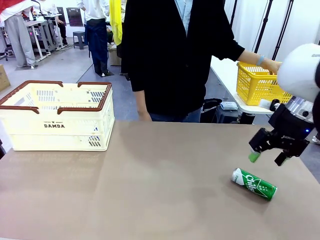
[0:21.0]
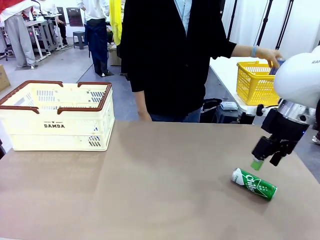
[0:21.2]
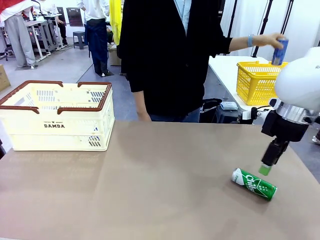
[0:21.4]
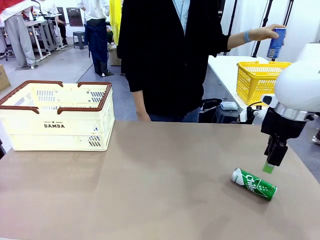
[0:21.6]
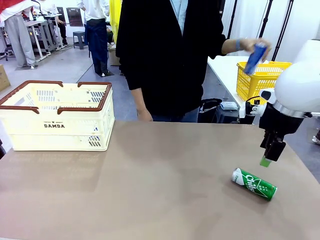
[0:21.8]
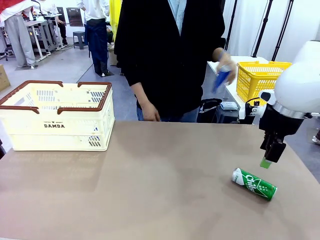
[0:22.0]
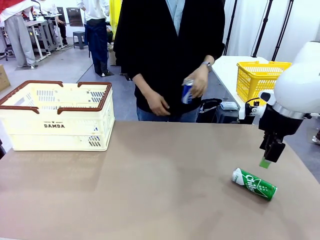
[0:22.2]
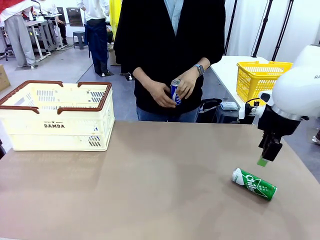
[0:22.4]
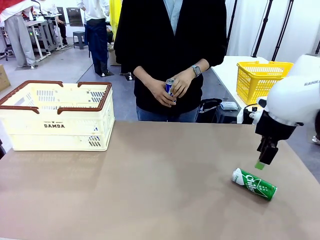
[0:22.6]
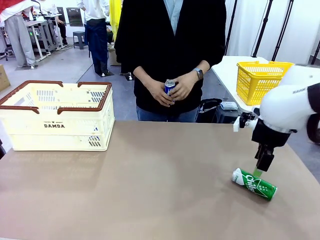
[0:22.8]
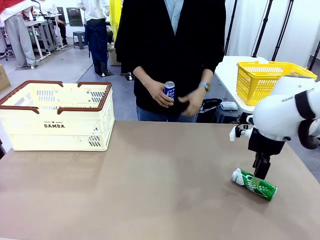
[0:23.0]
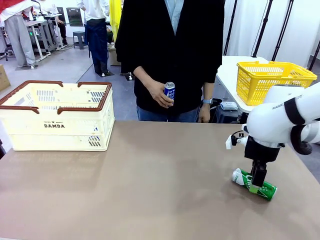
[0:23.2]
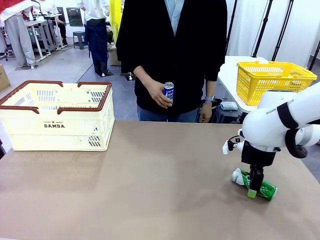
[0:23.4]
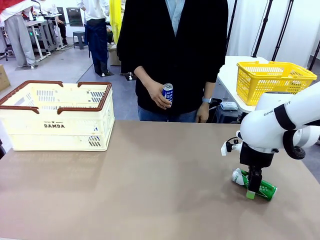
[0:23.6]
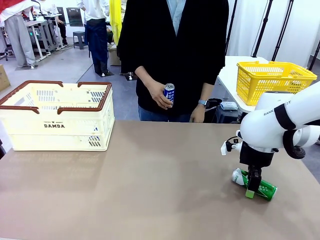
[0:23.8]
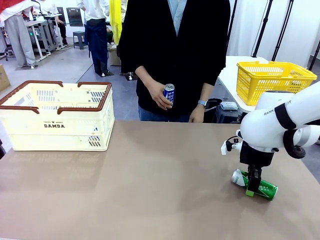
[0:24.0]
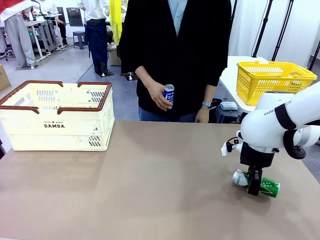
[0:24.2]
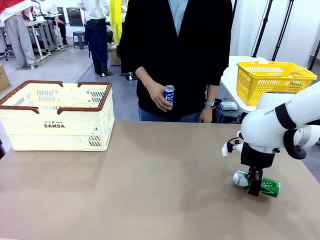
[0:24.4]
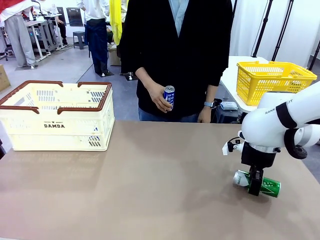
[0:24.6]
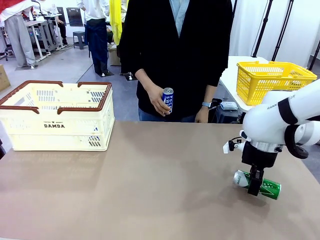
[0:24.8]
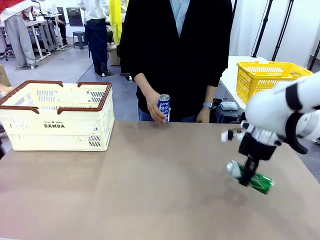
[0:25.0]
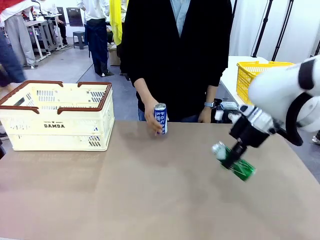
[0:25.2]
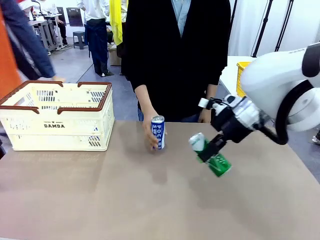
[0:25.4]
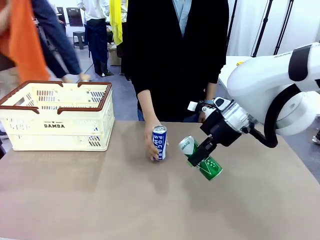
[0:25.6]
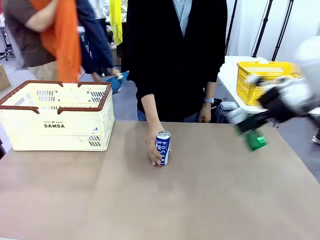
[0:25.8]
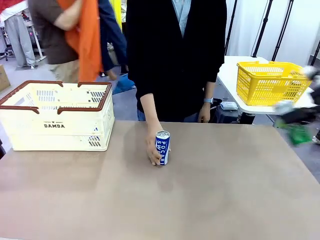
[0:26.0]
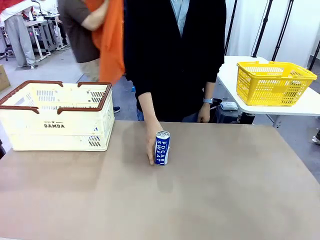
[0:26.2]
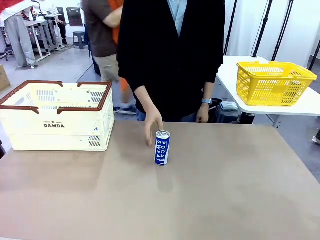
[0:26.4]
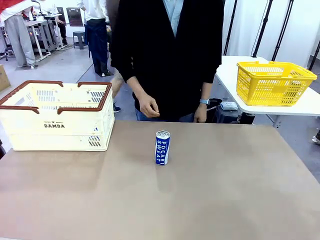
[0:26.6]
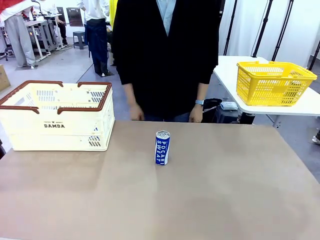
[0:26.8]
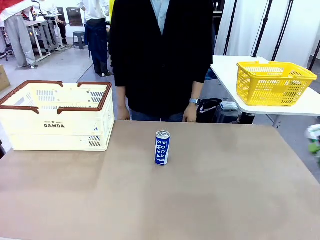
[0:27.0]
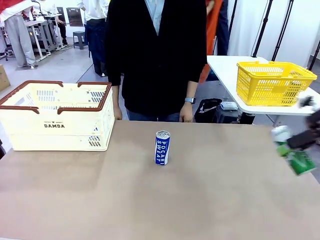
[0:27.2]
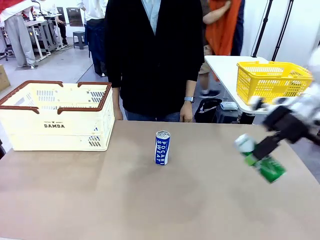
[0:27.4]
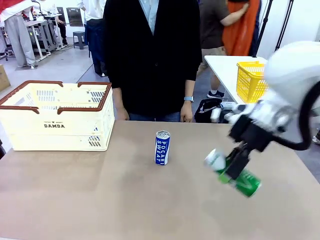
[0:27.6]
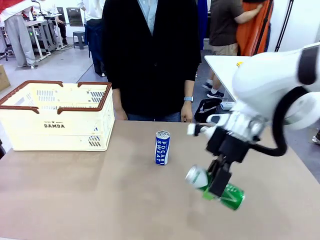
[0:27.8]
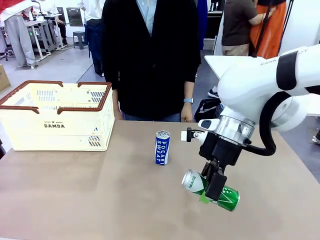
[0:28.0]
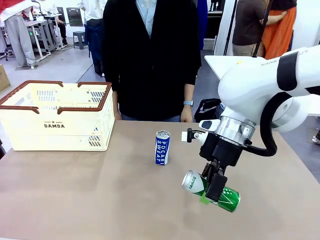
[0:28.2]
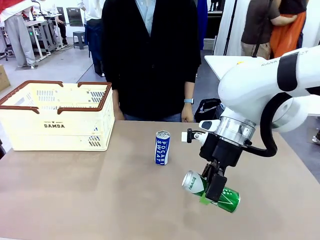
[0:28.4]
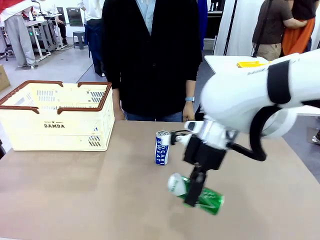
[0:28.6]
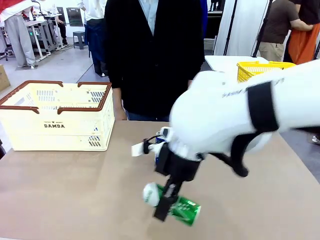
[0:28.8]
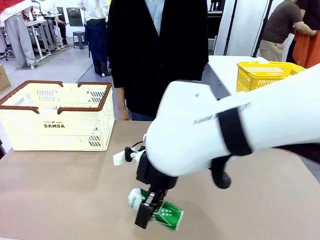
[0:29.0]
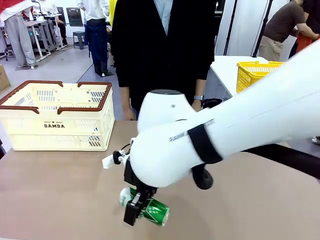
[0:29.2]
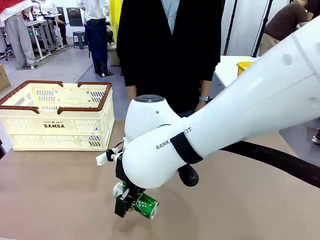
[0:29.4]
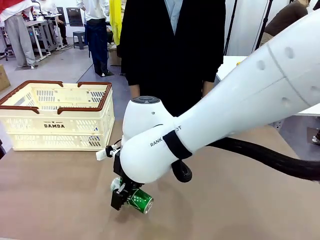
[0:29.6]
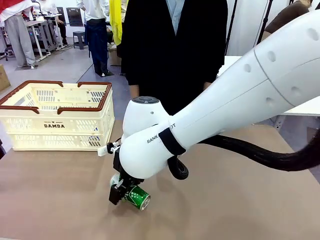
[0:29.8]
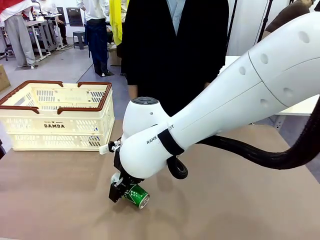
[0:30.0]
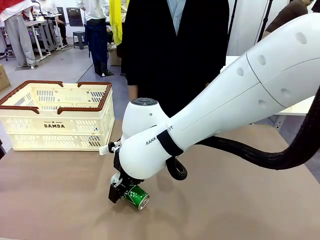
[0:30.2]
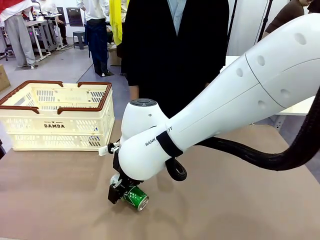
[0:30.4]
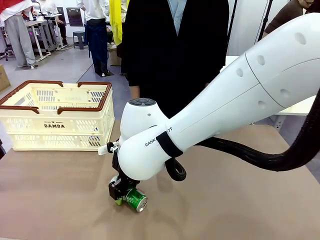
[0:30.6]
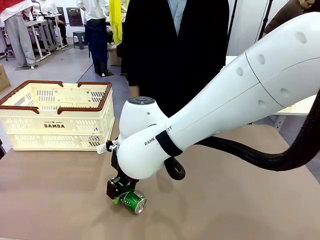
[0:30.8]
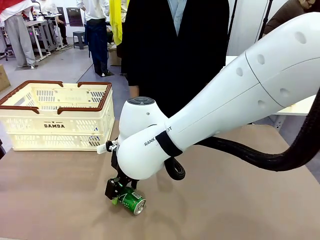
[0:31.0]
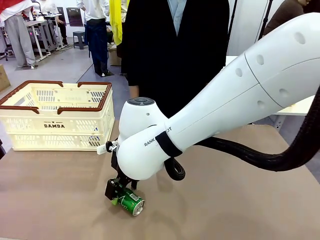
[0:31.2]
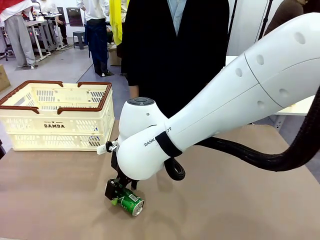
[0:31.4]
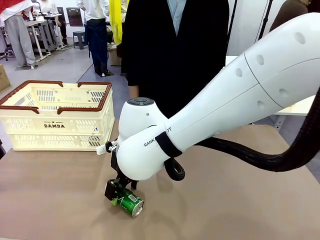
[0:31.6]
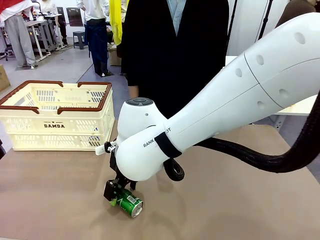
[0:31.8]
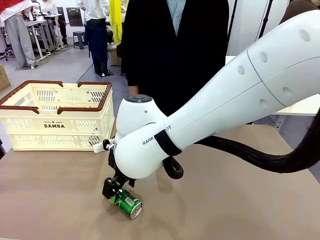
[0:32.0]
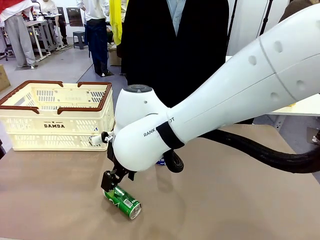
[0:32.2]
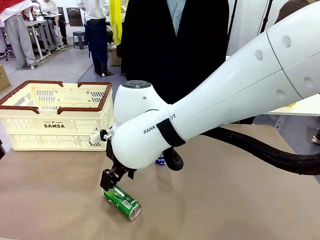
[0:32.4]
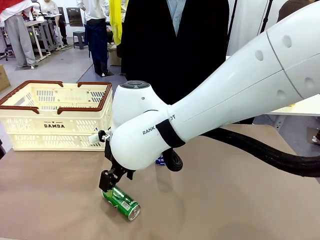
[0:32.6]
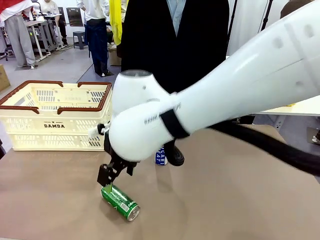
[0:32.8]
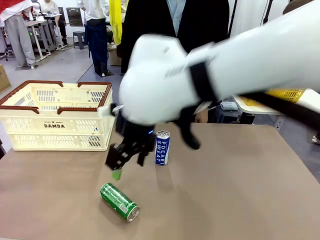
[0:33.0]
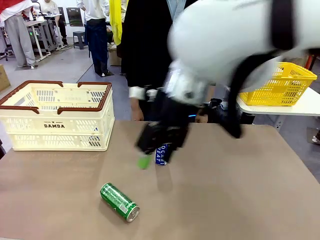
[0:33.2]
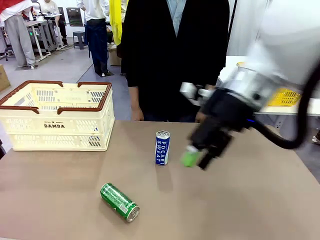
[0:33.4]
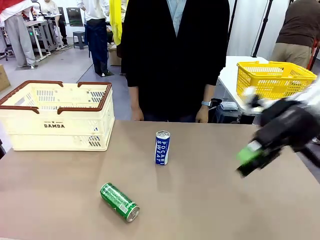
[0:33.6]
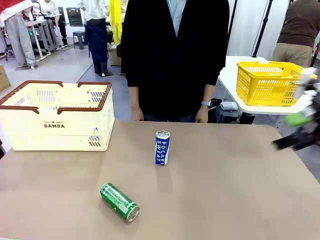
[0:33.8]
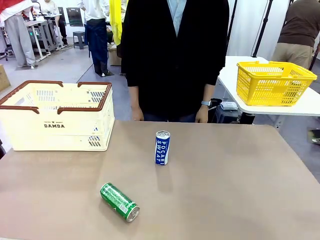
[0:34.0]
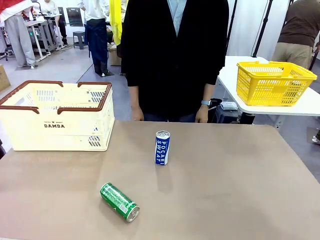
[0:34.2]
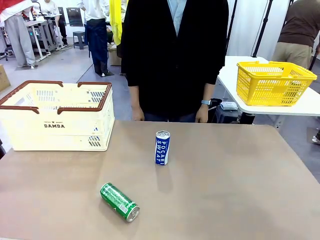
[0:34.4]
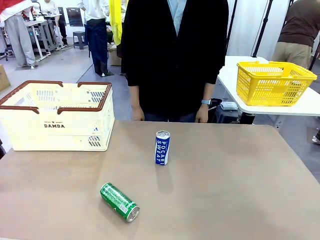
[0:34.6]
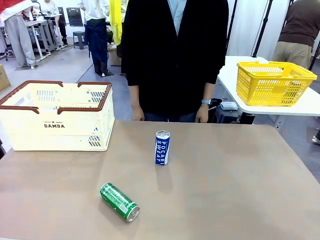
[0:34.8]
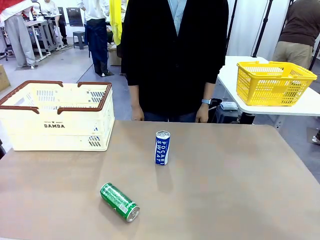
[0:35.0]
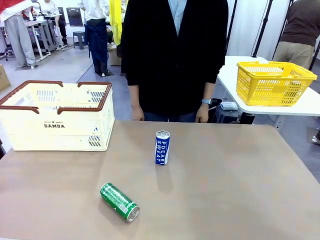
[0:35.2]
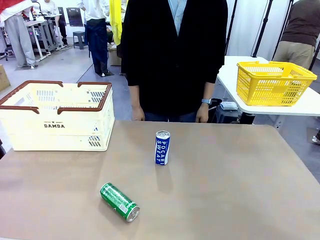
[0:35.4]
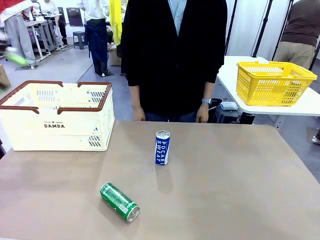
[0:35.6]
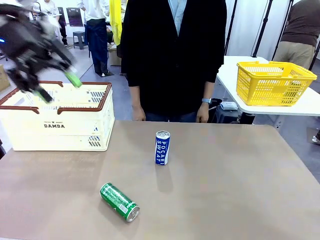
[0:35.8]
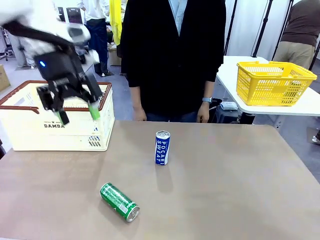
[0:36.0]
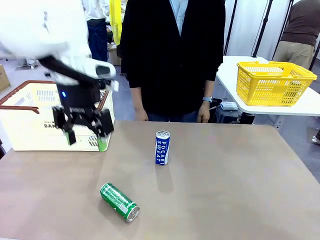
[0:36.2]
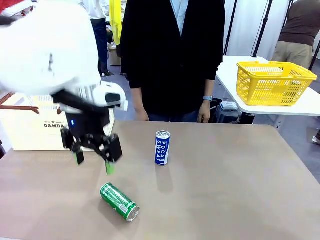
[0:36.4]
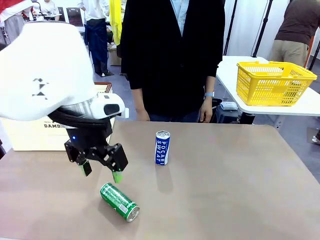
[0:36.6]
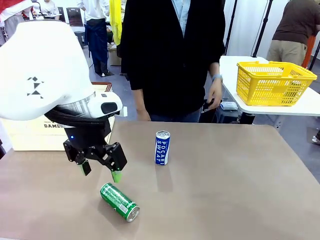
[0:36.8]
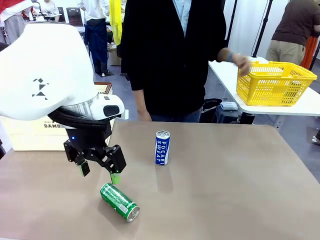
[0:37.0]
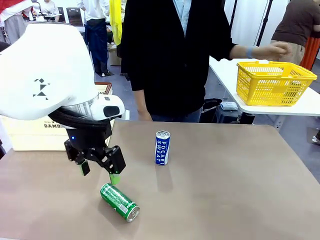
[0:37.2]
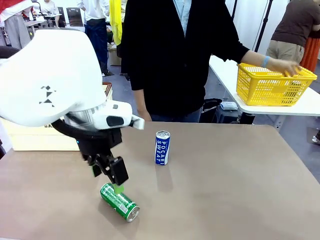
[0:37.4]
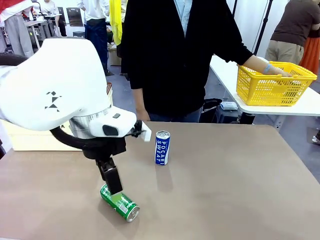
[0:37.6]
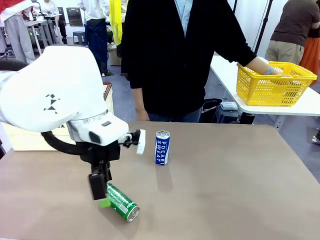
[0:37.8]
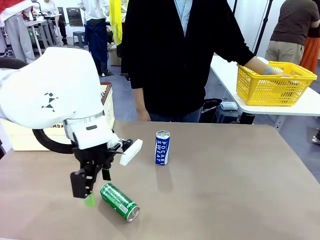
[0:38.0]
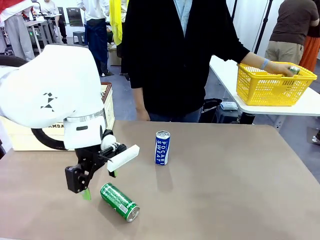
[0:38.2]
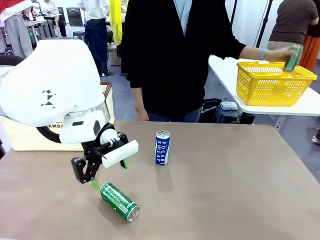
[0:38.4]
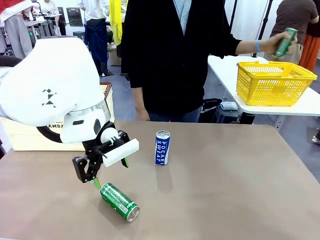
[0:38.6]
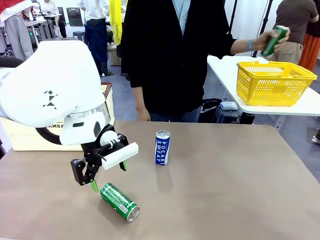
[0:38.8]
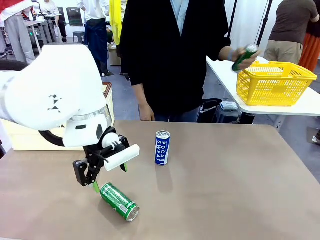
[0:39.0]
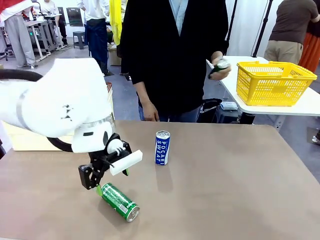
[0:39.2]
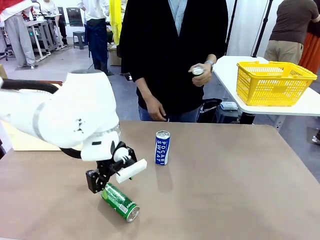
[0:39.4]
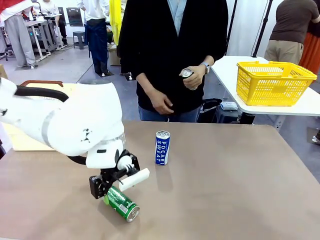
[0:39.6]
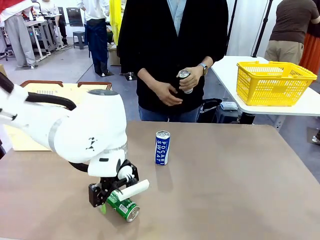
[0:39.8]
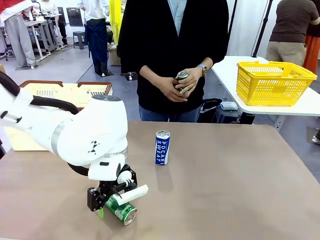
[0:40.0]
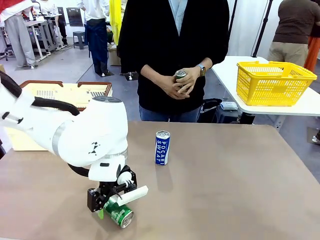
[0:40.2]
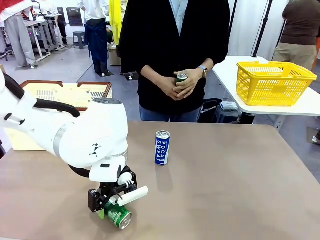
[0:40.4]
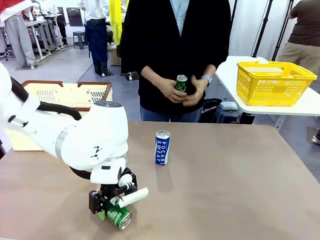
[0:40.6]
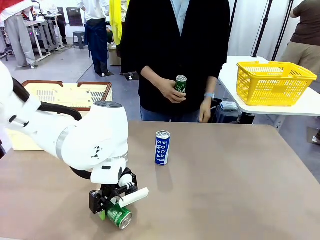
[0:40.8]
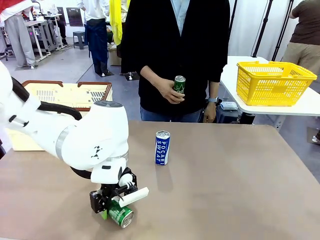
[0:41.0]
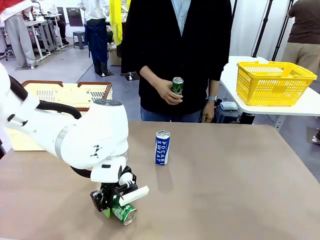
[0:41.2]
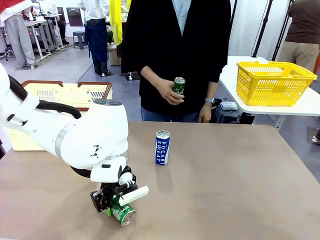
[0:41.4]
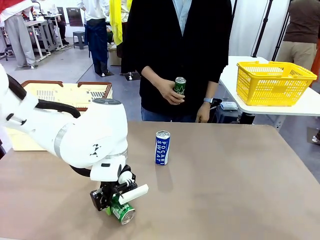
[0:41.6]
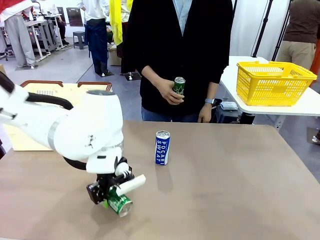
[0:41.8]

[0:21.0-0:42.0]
Task: Place the drinks into the Shopping basket.
Robot: Pick up one drink and place it into the Shopping basket.
